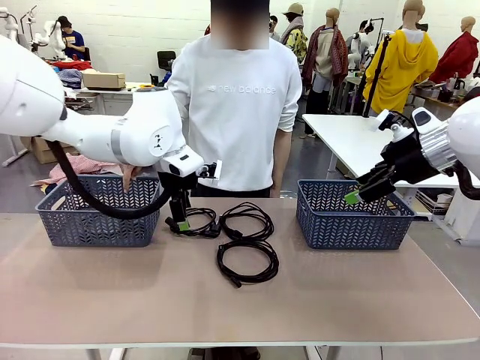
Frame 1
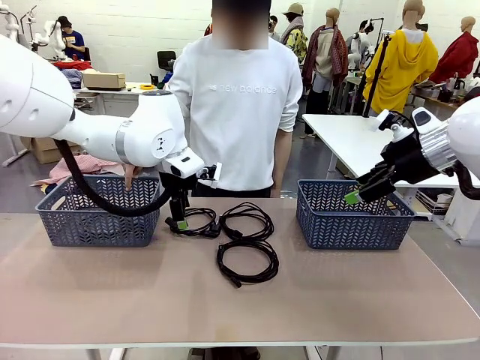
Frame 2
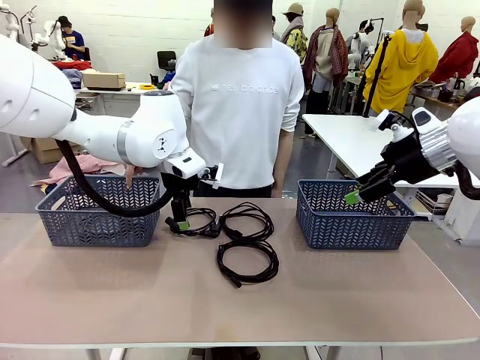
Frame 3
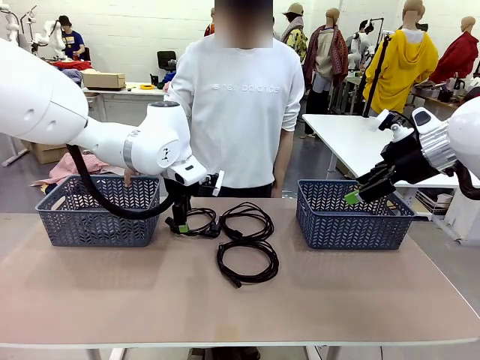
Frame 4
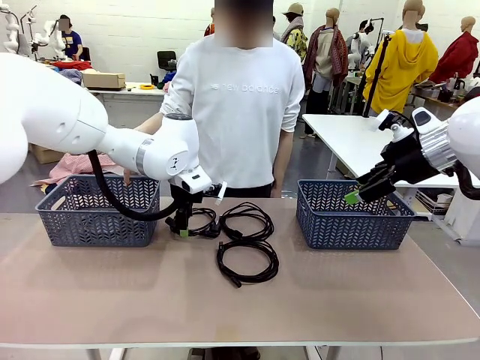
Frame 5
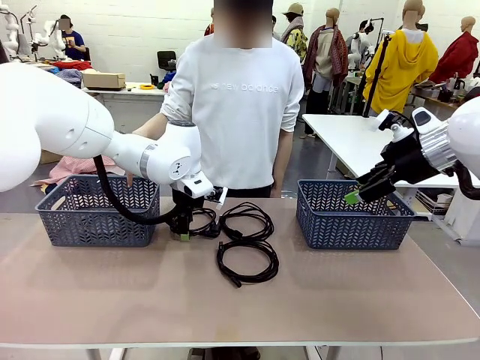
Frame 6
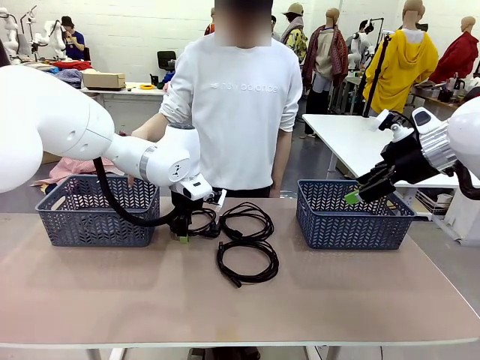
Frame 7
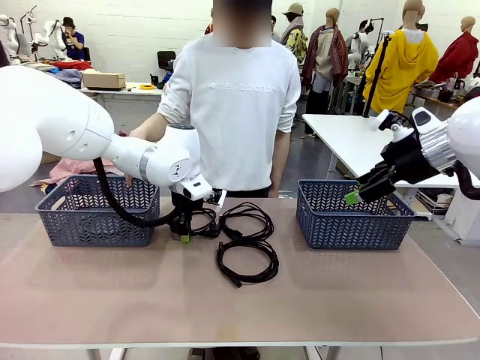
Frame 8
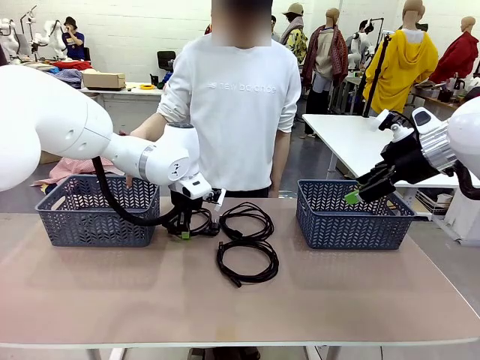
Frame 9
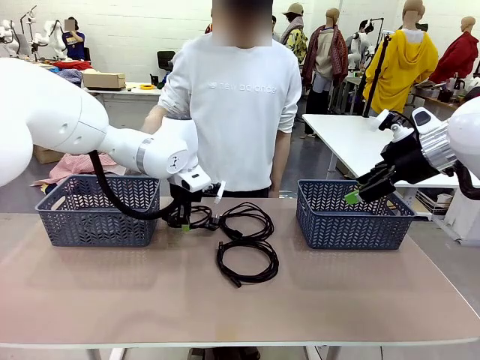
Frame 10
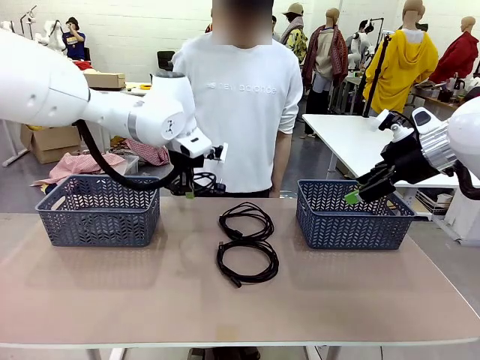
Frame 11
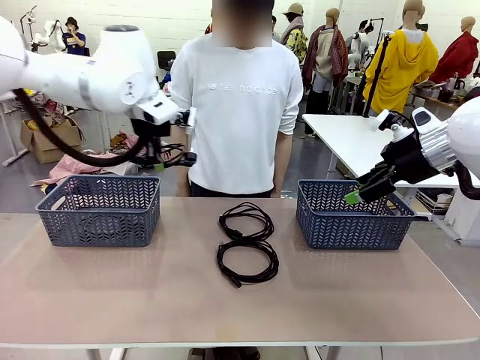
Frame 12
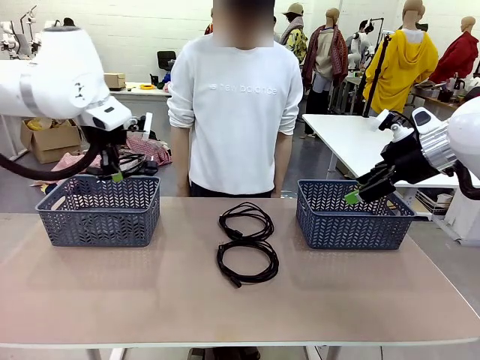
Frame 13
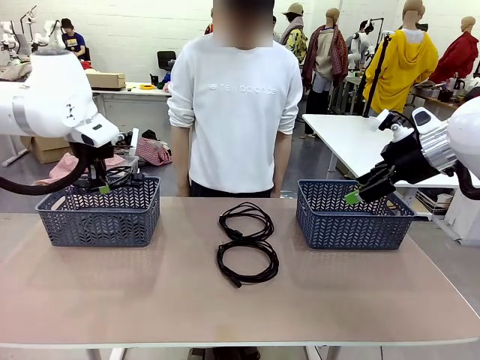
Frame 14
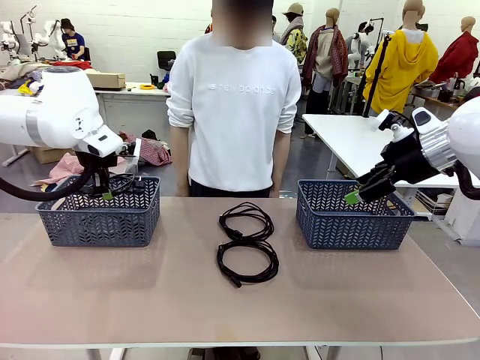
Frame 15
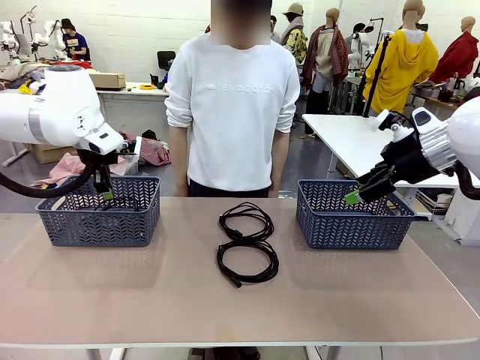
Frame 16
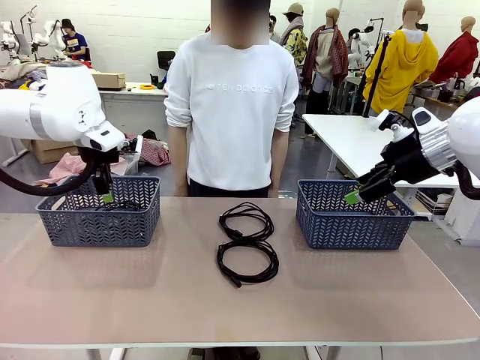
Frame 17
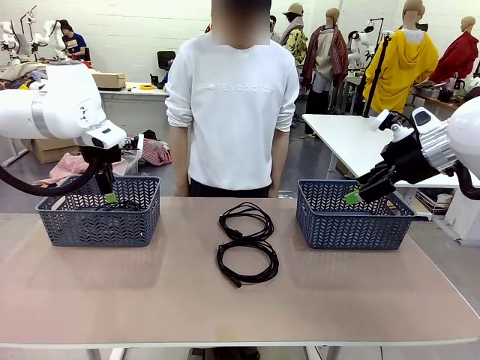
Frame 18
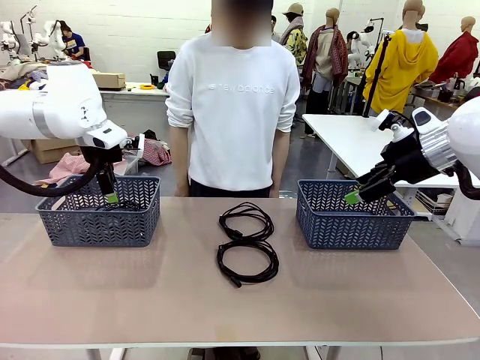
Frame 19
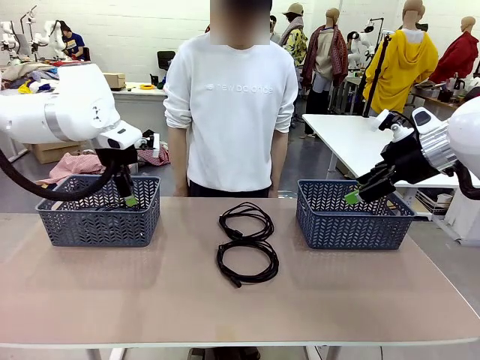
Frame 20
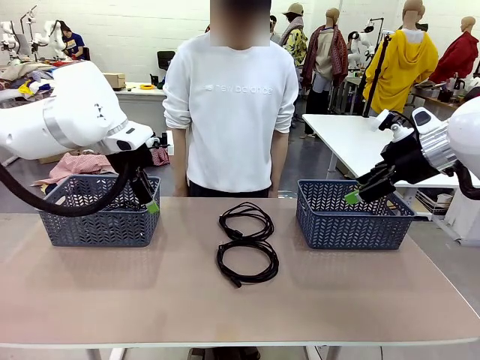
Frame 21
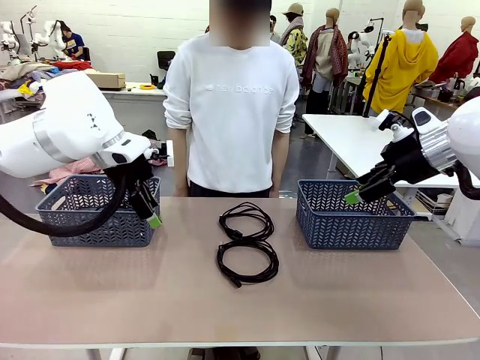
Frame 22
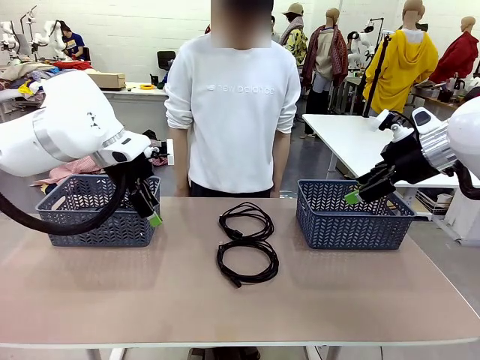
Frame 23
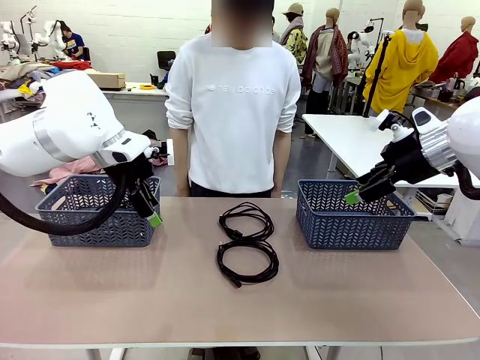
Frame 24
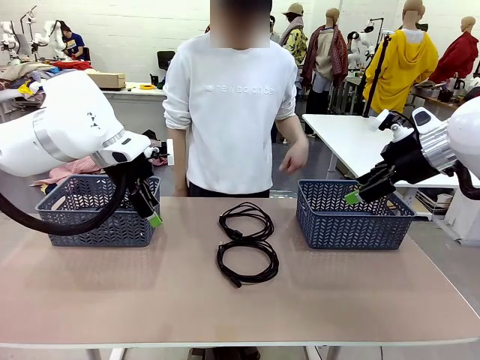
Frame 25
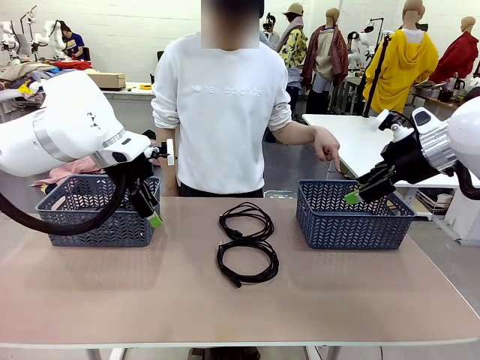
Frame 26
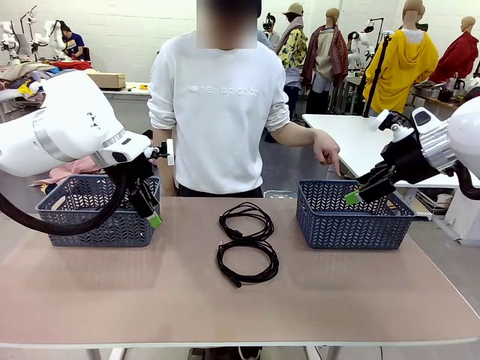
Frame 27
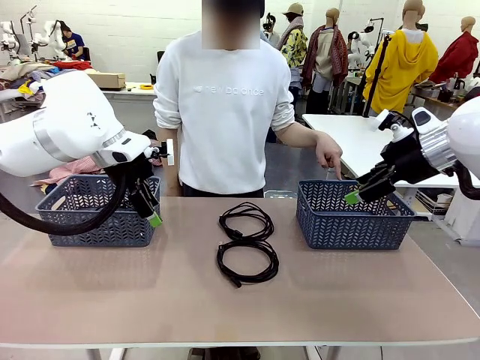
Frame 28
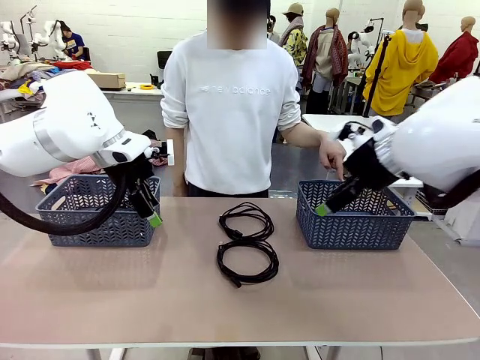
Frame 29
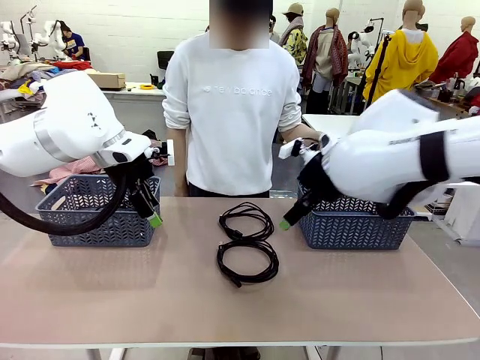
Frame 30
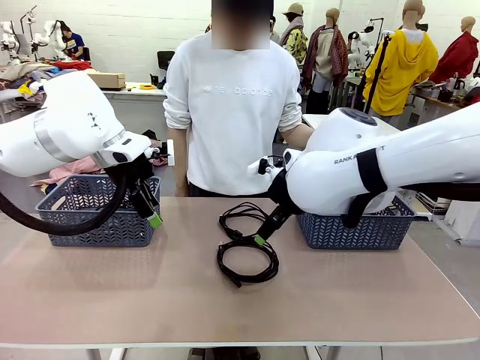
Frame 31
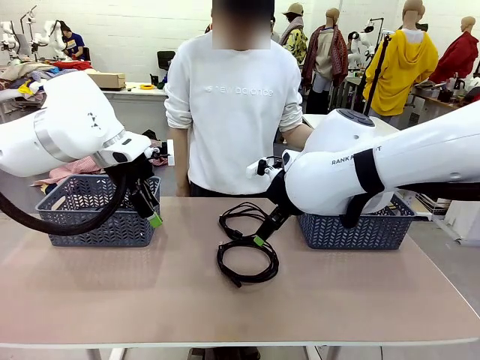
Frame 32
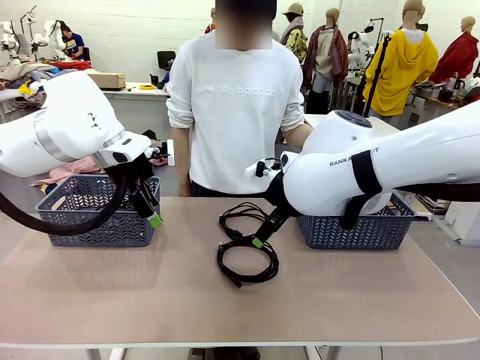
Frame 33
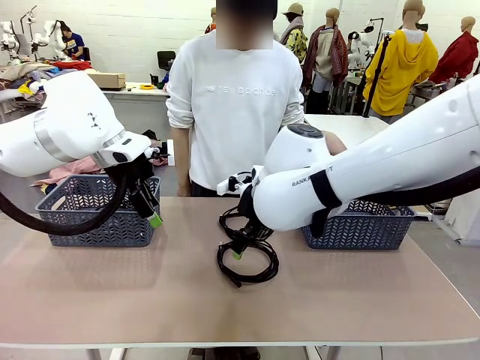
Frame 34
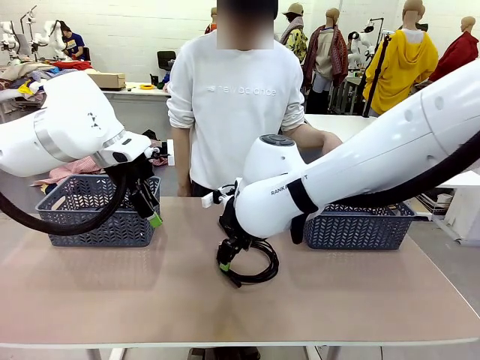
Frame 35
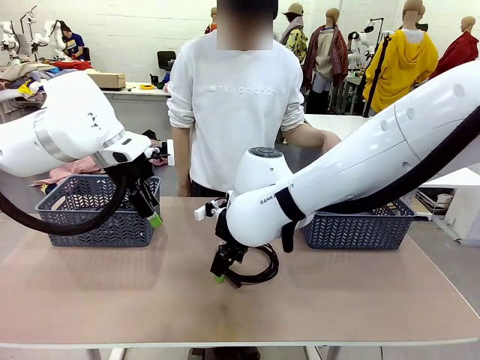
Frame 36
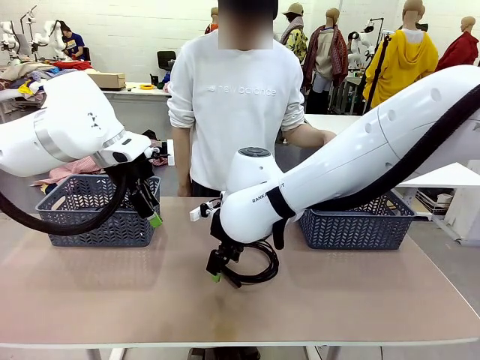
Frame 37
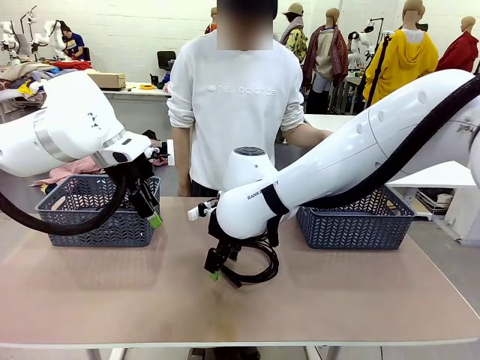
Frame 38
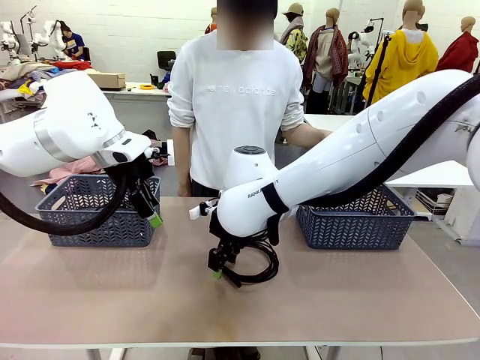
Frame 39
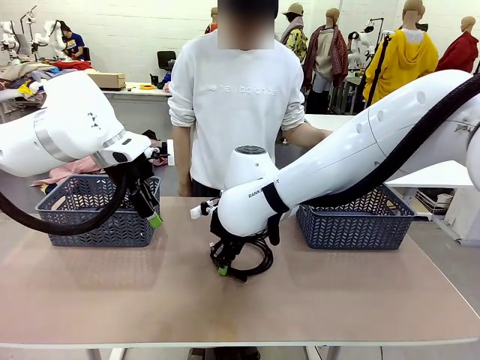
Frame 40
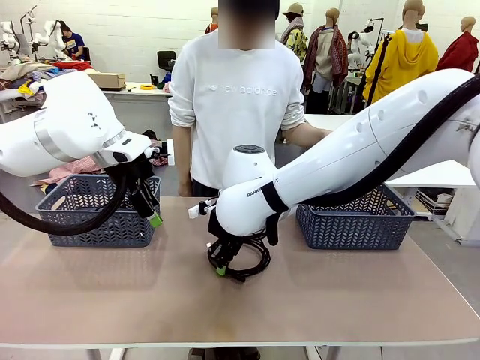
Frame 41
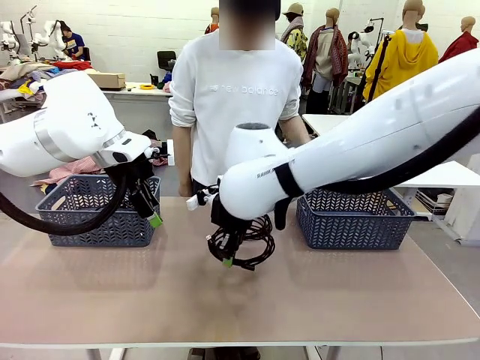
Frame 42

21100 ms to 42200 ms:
Task: Organize the cables according to human instructions.
Robot: Pick up a bundle of cables and place it in the basket indicated by the human.
